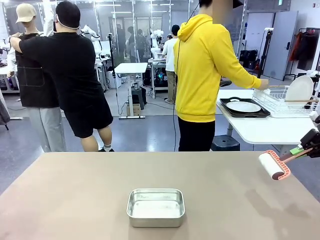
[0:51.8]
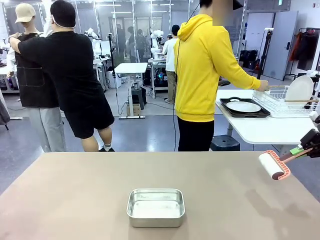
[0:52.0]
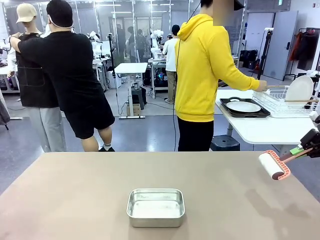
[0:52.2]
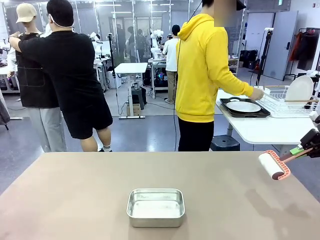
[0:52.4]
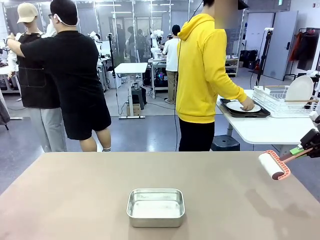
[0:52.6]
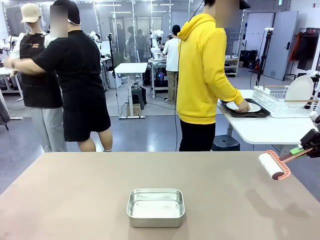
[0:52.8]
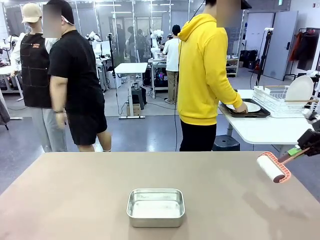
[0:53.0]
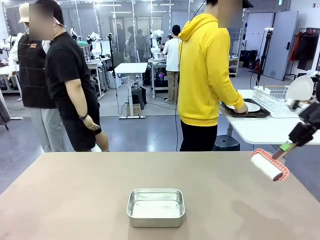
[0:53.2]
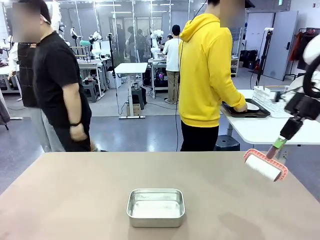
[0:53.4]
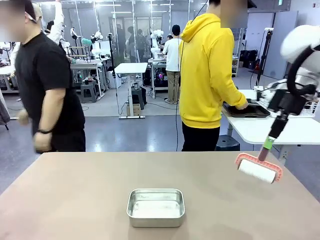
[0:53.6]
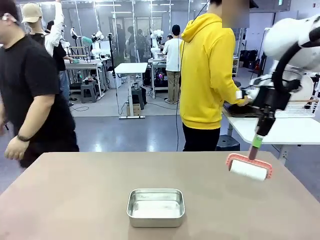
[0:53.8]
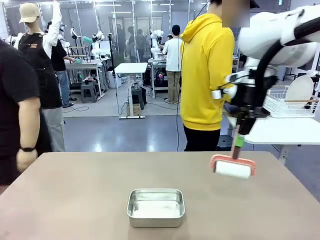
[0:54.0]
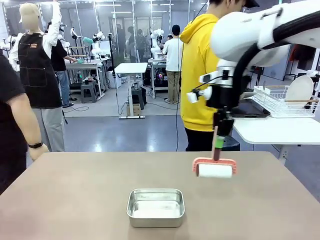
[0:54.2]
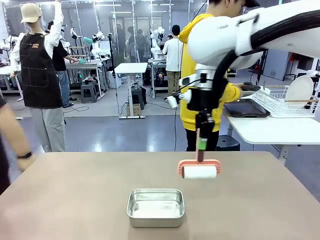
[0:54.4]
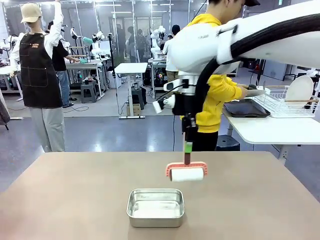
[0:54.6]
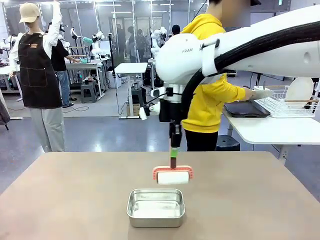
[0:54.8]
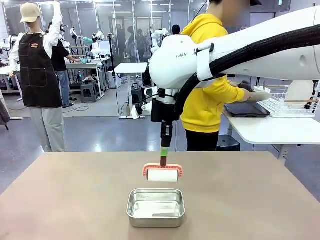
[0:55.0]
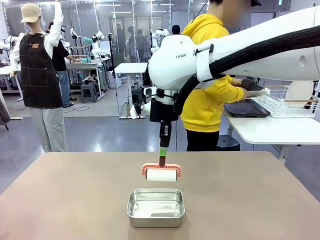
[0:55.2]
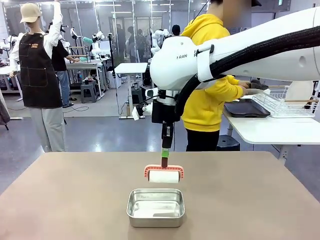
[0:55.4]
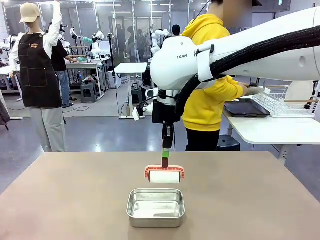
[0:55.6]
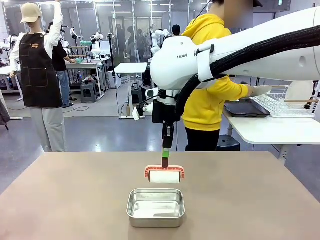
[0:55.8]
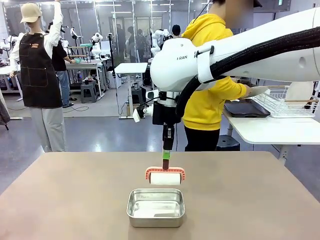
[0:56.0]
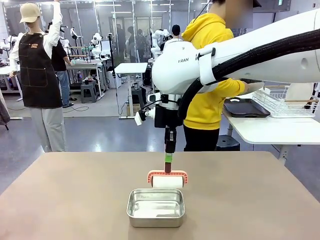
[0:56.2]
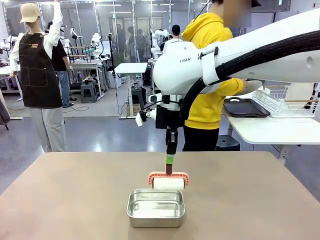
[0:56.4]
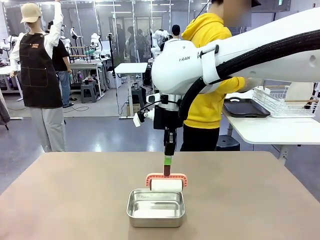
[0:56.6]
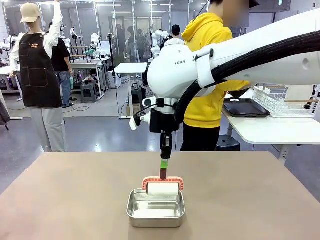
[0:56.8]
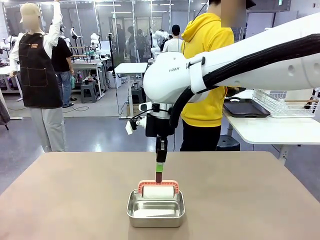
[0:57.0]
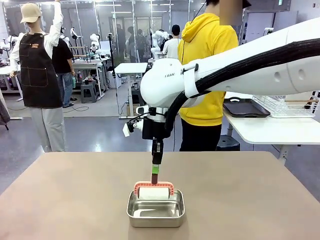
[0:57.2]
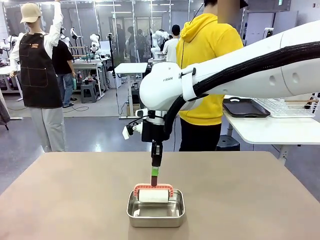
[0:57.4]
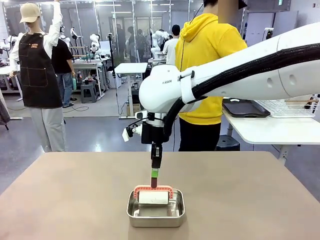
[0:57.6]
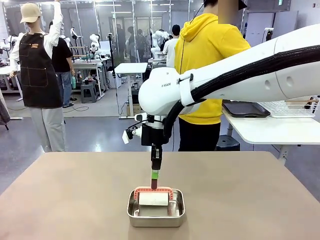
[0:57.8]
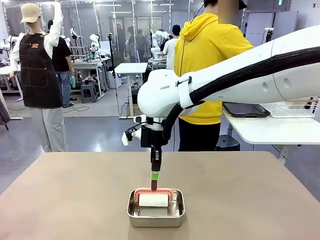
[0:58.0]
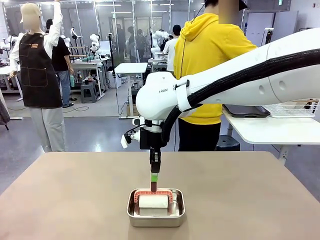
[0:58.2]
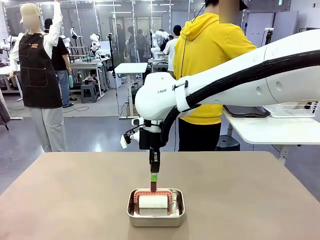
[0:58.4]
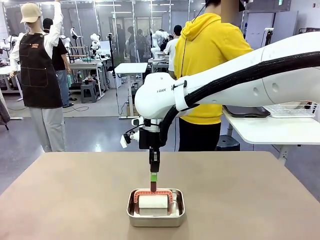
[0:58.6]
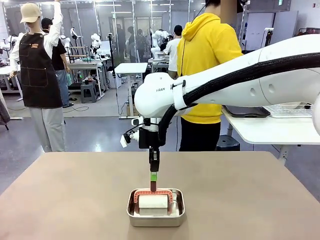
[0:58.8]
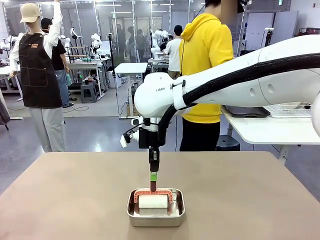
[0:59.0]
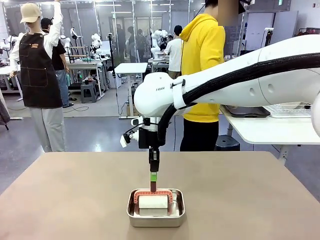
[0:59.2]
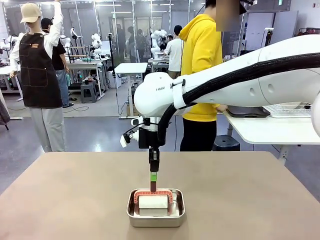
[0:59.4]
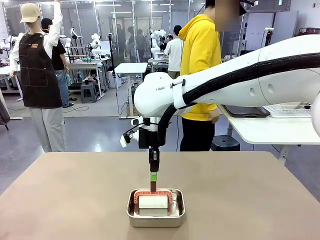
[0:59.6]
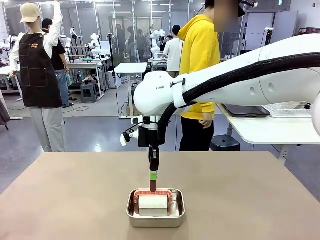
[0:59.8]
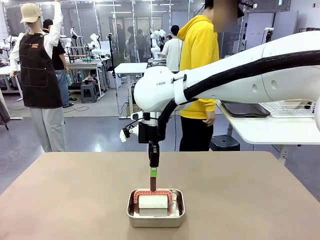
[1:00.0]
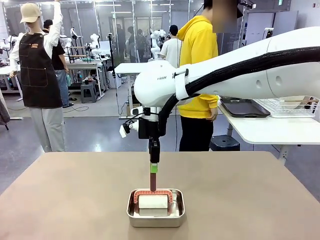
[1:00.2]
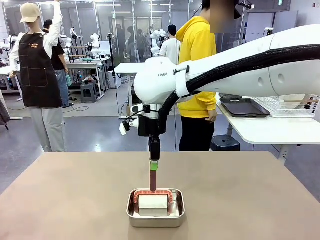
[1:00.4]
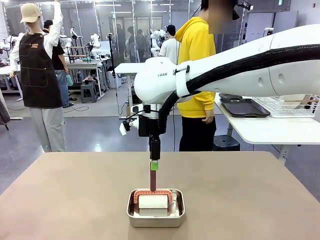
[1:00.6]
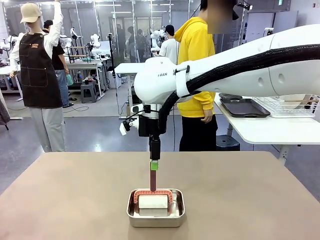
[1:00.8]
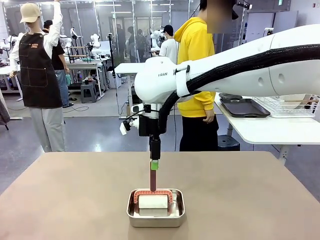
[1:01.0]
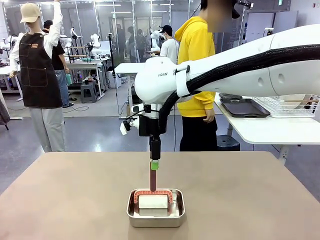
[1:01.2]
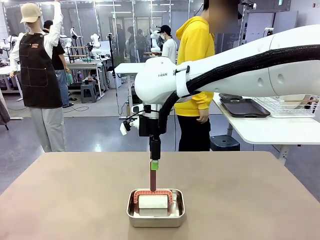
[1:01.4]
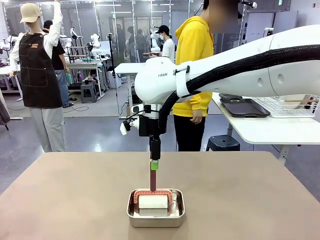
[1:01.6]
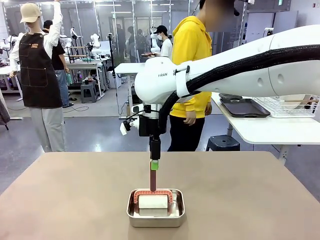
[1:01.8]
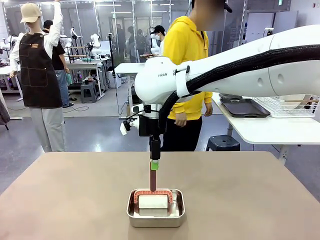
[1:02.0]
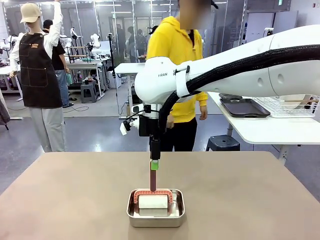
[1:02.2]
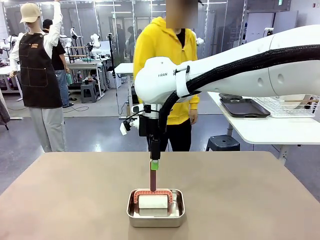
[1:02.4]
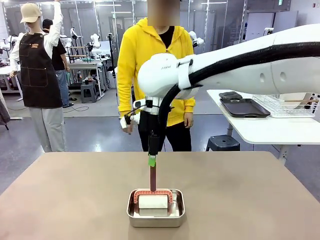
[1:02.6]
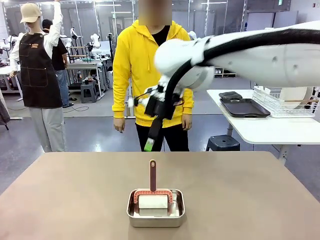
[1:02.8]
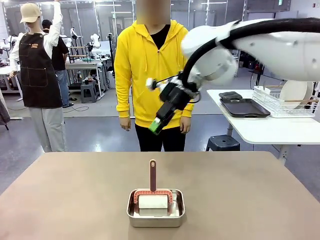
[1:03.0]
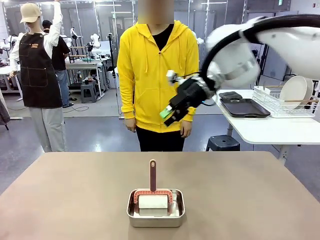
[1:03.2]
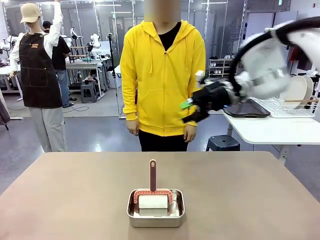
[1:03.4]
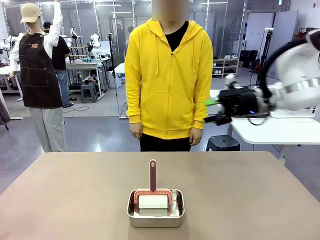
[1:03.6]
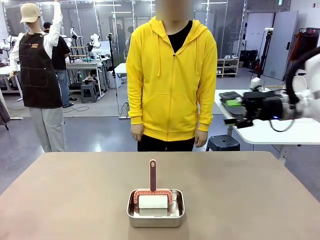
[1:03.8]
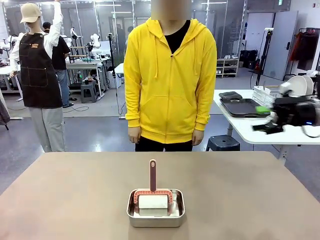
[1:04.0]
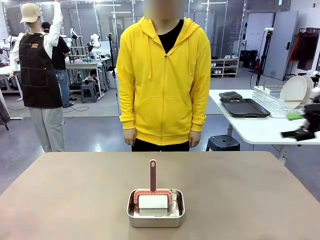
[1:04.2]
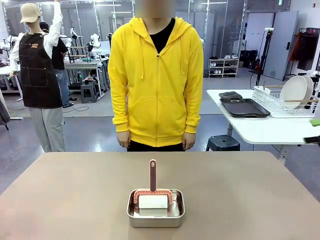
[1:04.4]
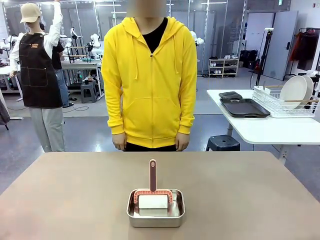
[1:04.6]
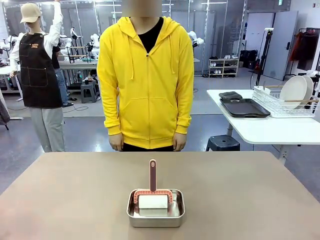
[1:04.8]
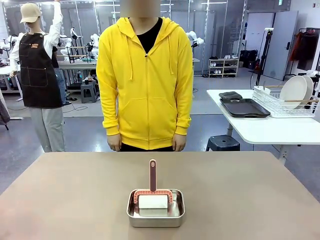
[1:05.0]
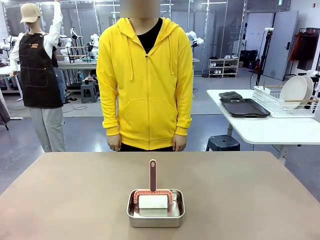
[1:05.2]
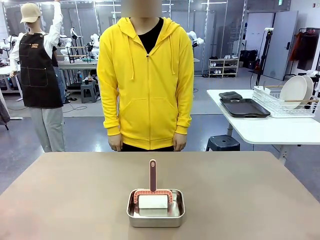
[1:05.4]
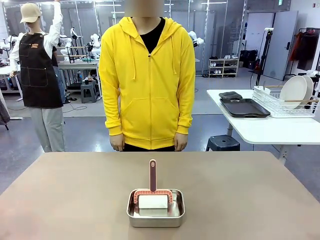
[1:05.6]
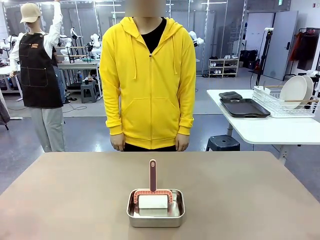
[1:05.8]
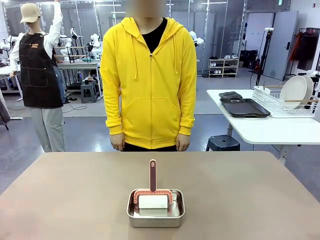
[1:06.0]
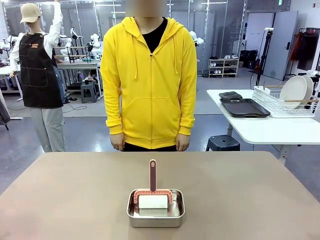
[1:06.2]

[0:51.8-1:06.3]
Robot: Place the Lint Roller back on top of the Airtight Container.
Person: Use the Towel with hook to wipe the Plastic Matte Plate , Fork , and Knife and place into the Dish drying rack.

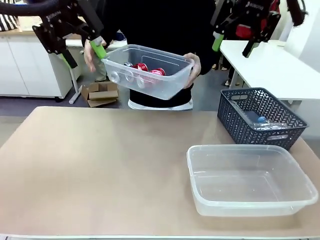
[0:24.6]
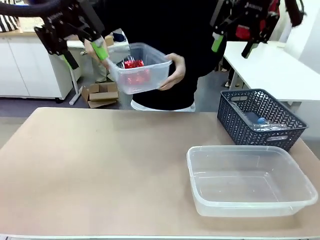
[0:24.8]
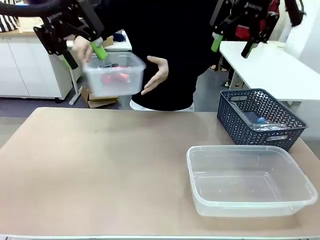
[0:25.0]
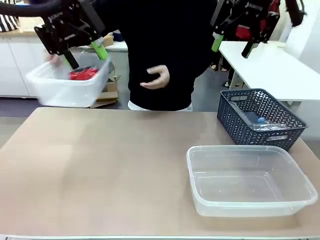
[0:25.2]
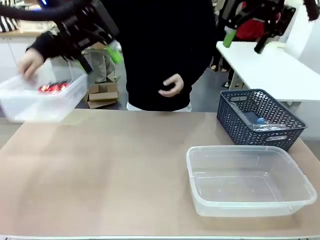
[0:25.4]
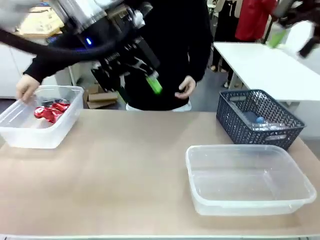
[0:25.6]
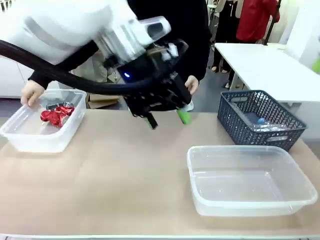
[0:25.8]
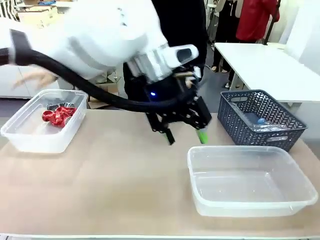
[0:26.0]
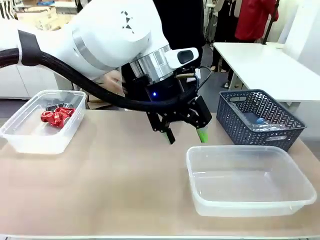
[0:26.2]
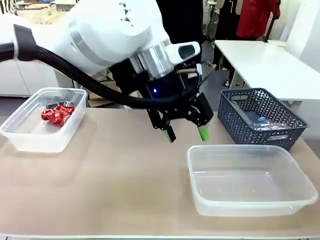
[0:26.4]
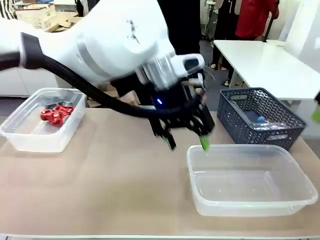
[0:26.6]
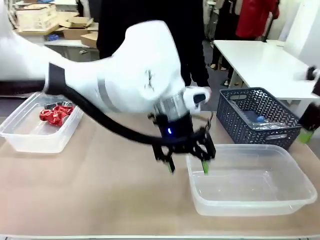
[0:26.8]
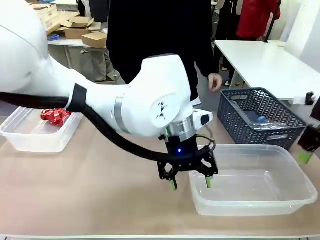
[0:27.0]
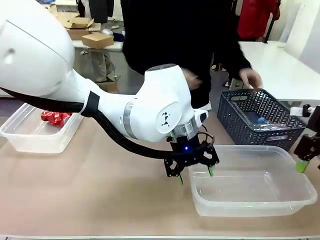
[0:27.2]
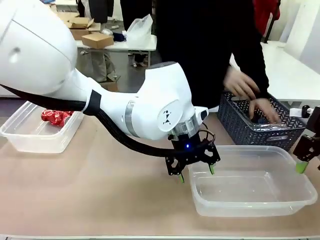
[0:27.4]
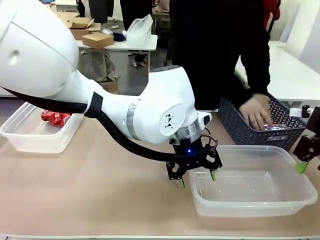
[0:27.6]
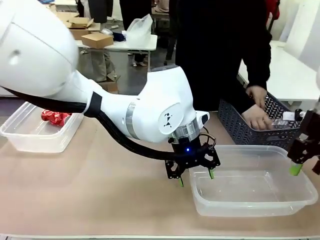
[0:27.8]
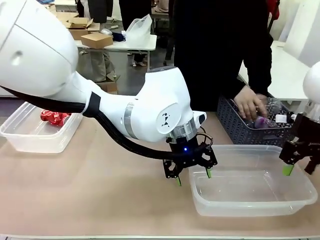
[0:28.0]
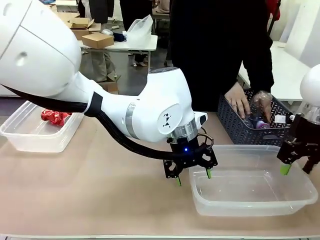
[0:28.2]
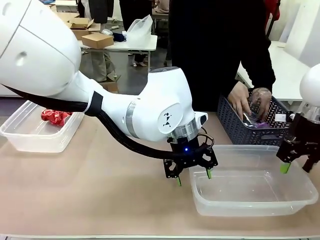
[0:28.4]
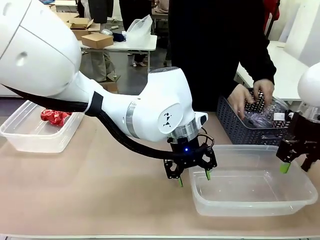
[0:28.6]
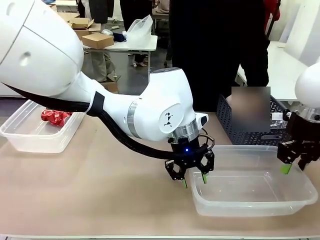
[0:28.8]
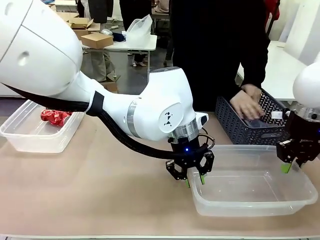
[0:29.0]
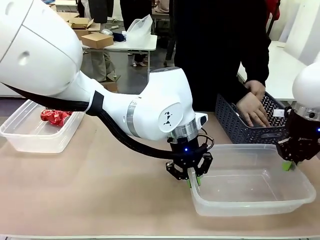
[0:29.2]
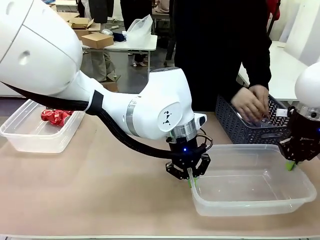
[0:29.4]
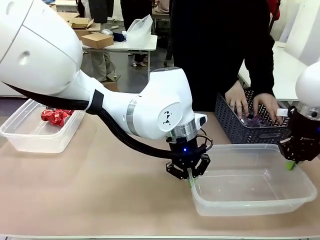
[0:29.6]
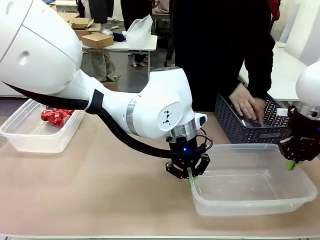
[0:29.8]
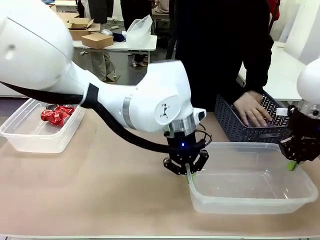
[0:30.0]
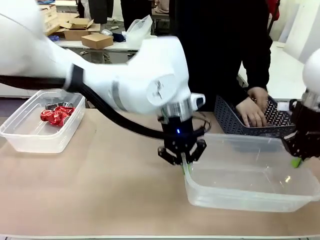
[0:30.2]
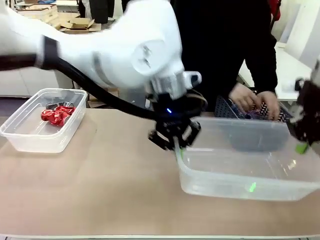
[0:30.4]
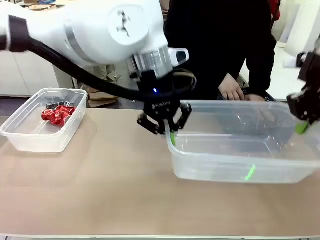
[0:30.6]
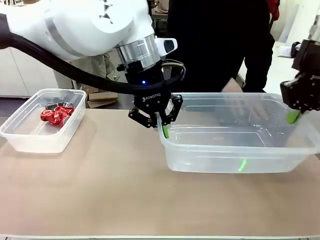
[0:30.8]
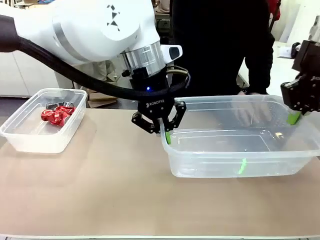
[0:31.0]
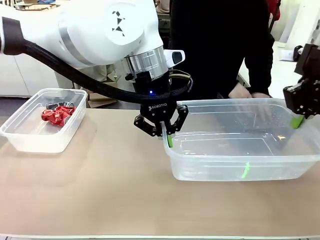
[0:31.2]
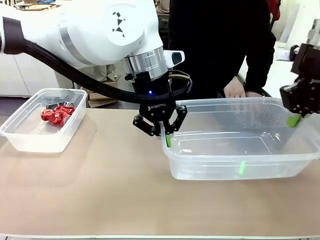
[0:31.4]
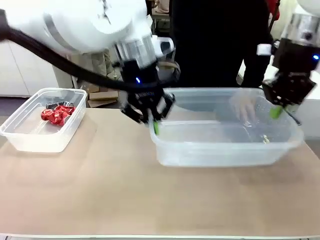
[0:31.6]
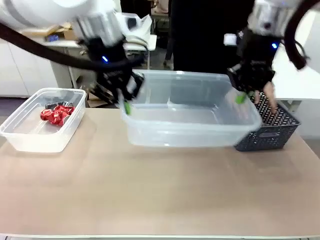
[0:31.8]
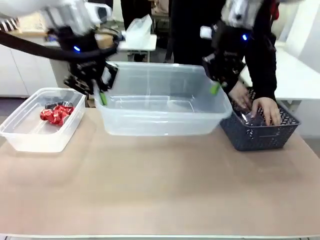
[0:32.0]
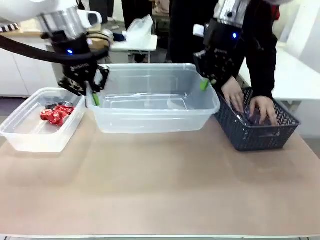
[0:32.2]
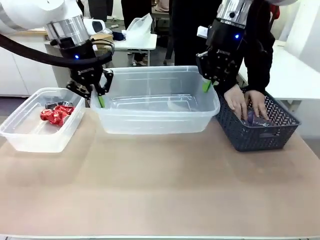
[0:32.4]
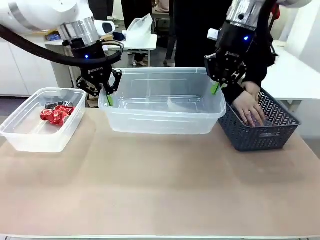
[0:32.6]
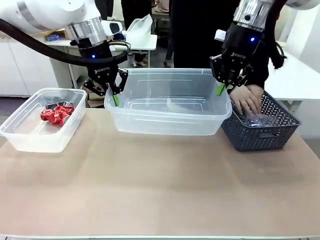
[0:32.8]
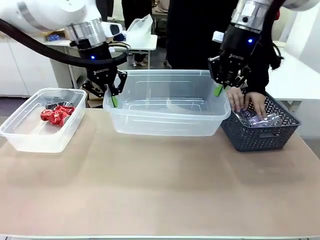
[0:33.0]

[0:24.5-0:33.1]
Robot: Pick up the Organizing box on the right side of the table and lift it.
Person: Place it at the edge of the bottom right area of the robot table. Pick up plastic waste one by one and place it into the organizing box lifted by the robot.
